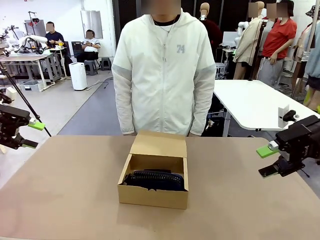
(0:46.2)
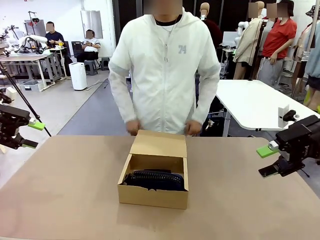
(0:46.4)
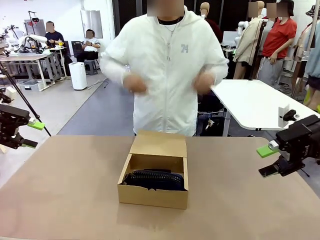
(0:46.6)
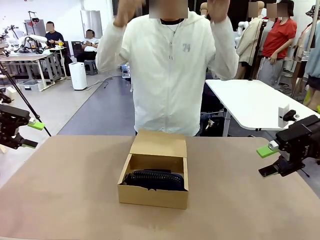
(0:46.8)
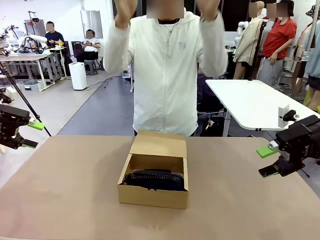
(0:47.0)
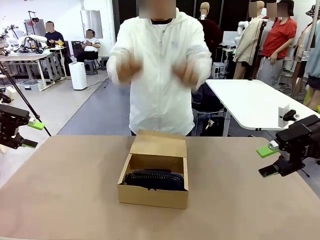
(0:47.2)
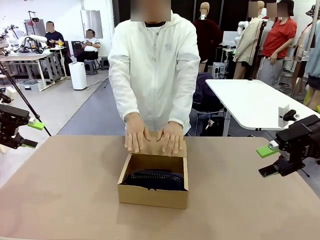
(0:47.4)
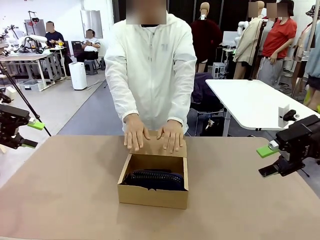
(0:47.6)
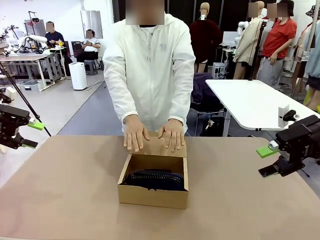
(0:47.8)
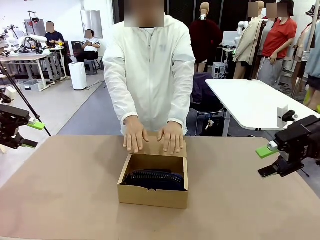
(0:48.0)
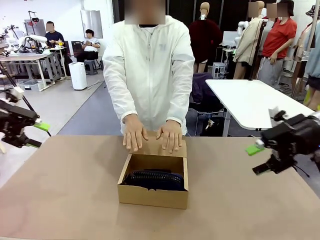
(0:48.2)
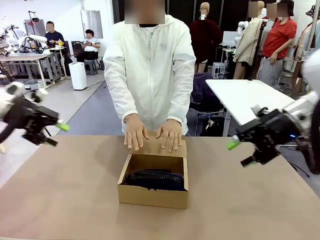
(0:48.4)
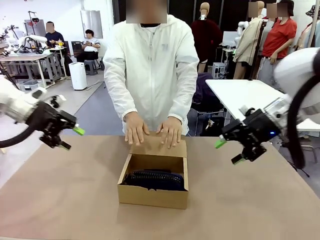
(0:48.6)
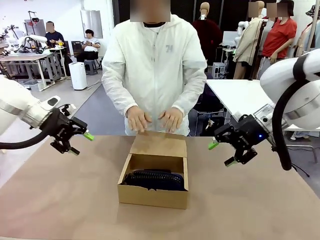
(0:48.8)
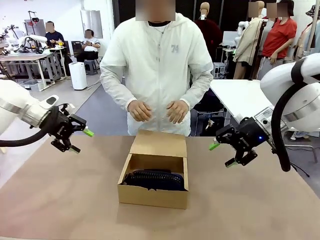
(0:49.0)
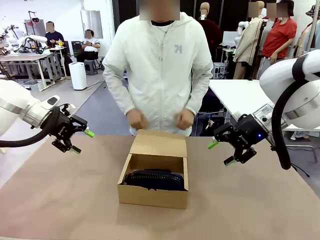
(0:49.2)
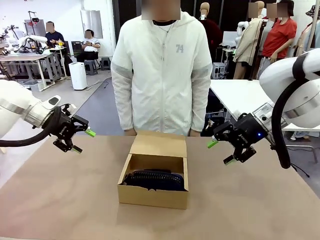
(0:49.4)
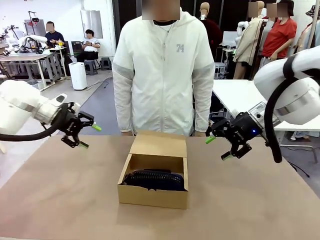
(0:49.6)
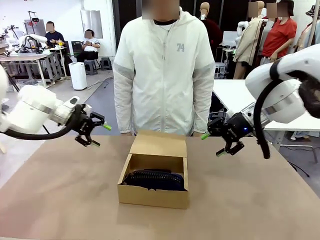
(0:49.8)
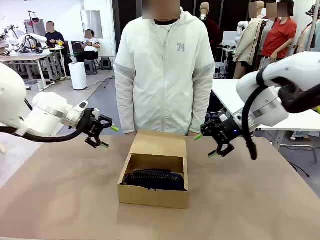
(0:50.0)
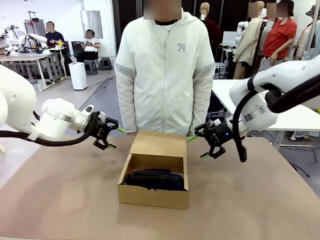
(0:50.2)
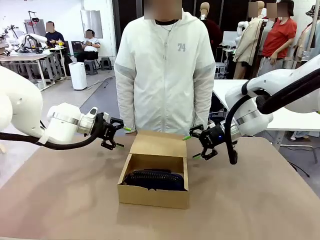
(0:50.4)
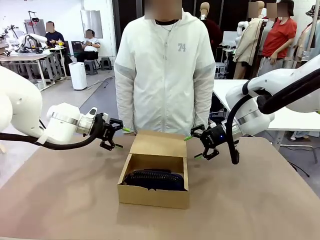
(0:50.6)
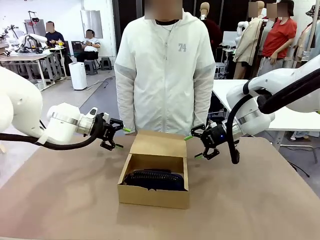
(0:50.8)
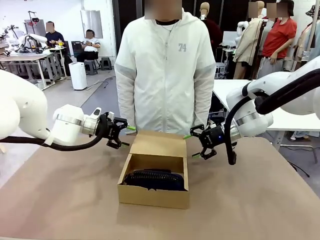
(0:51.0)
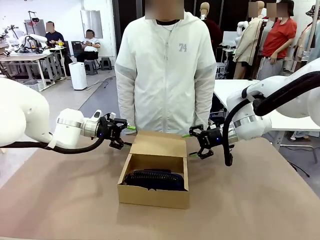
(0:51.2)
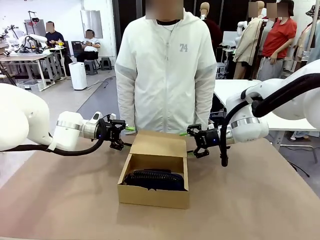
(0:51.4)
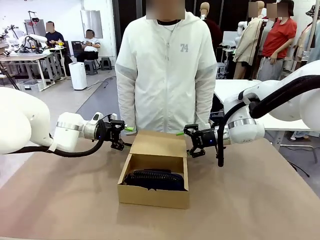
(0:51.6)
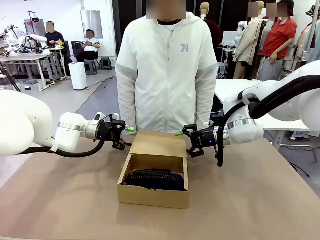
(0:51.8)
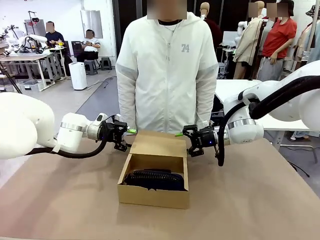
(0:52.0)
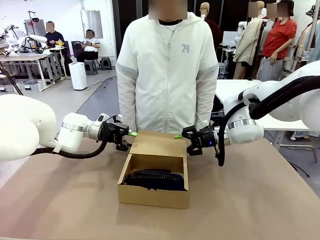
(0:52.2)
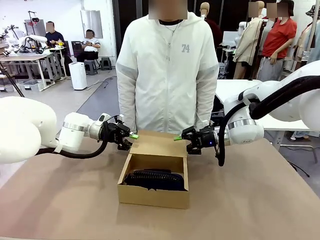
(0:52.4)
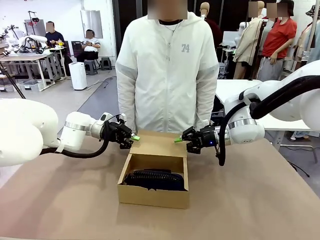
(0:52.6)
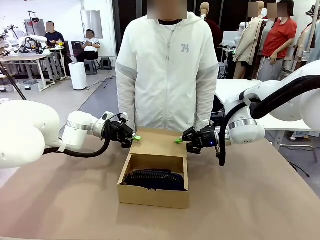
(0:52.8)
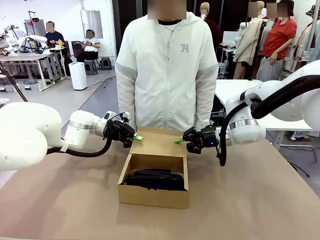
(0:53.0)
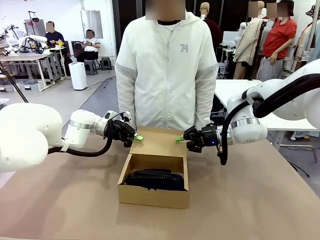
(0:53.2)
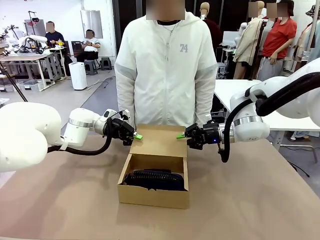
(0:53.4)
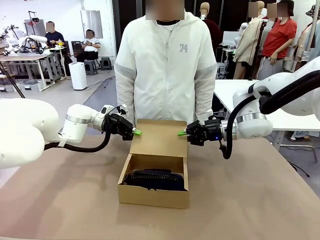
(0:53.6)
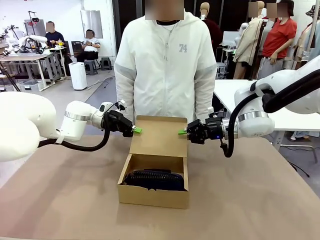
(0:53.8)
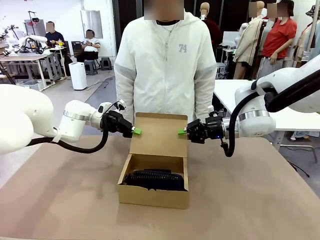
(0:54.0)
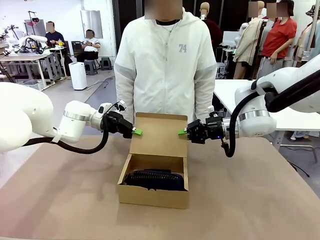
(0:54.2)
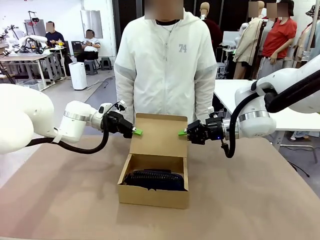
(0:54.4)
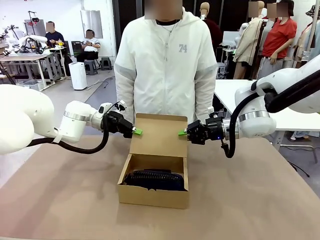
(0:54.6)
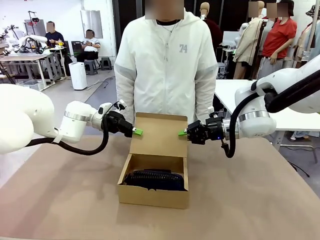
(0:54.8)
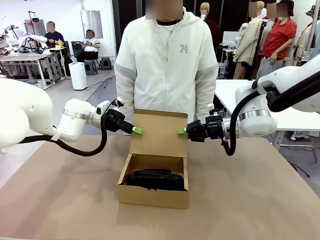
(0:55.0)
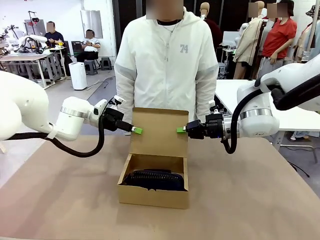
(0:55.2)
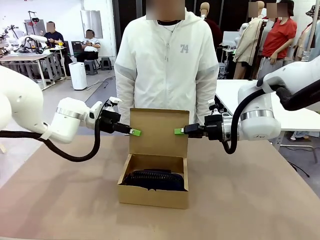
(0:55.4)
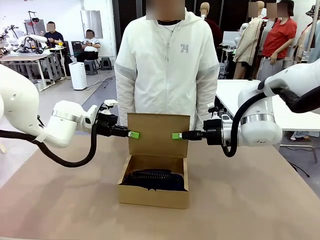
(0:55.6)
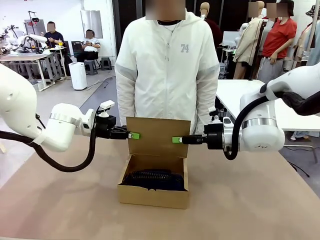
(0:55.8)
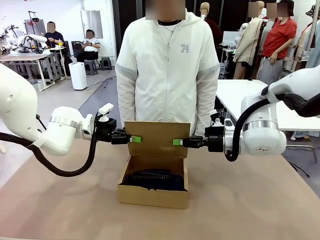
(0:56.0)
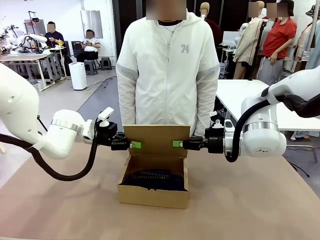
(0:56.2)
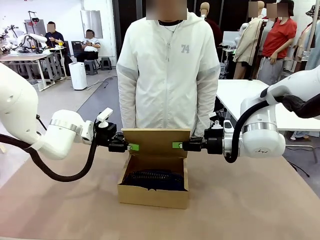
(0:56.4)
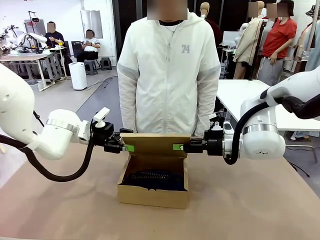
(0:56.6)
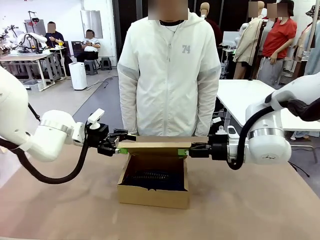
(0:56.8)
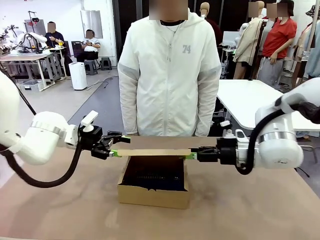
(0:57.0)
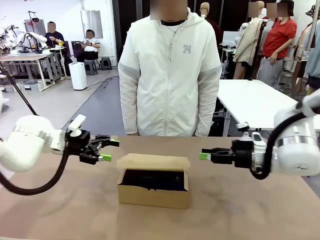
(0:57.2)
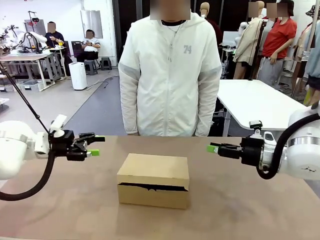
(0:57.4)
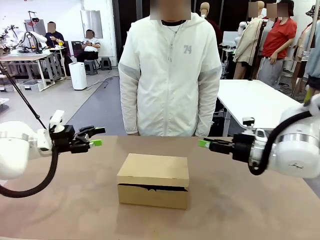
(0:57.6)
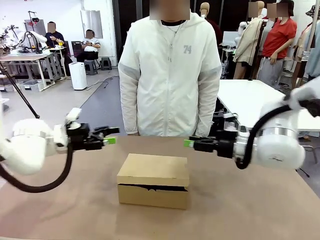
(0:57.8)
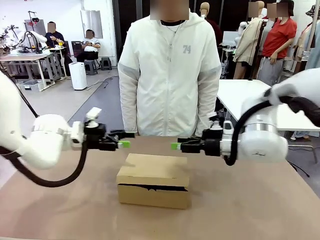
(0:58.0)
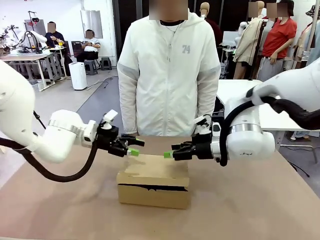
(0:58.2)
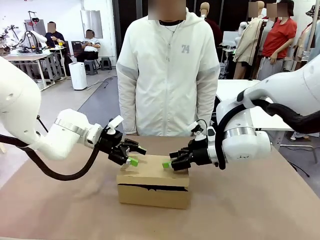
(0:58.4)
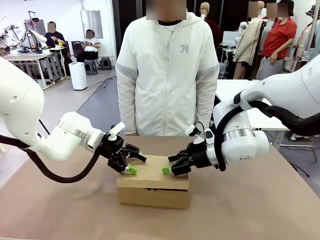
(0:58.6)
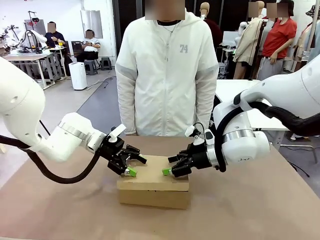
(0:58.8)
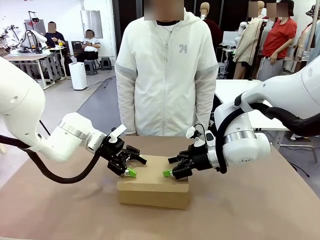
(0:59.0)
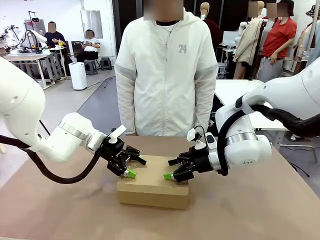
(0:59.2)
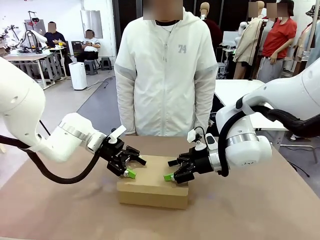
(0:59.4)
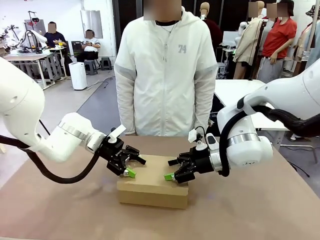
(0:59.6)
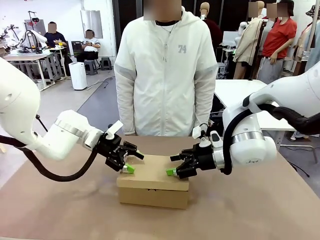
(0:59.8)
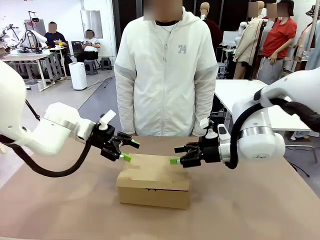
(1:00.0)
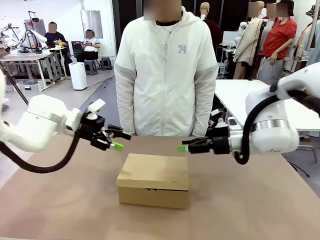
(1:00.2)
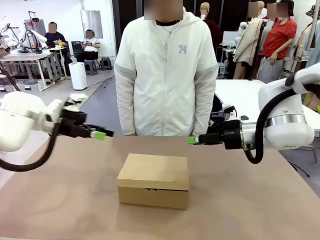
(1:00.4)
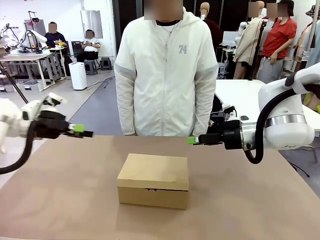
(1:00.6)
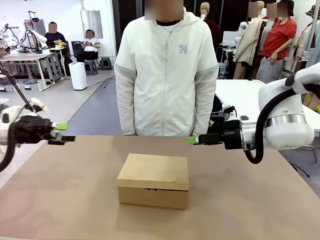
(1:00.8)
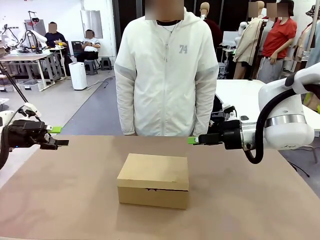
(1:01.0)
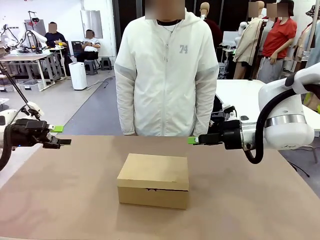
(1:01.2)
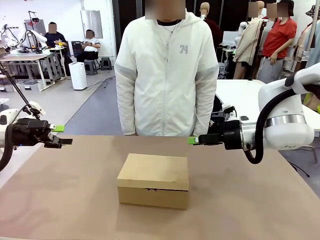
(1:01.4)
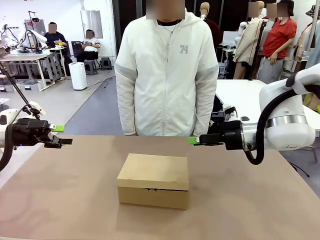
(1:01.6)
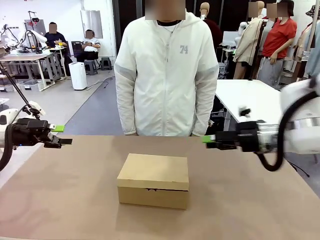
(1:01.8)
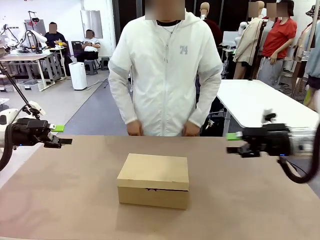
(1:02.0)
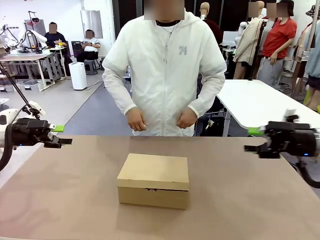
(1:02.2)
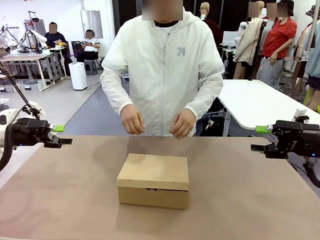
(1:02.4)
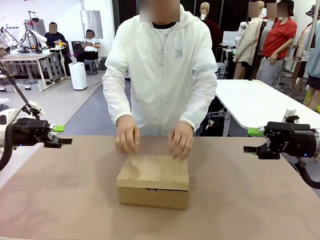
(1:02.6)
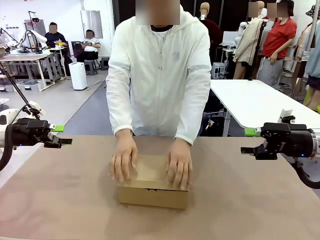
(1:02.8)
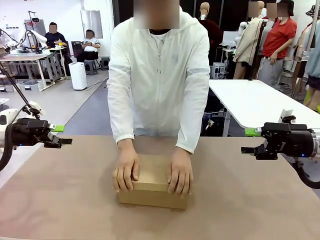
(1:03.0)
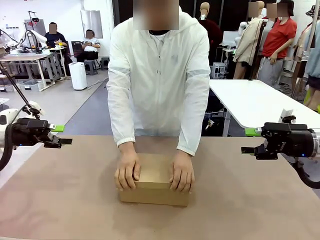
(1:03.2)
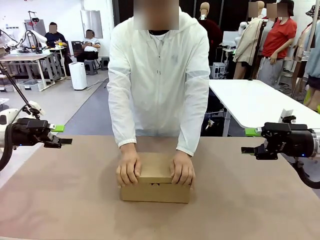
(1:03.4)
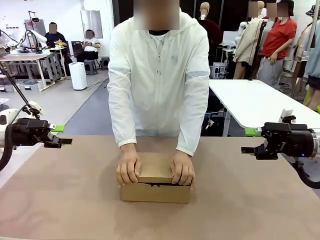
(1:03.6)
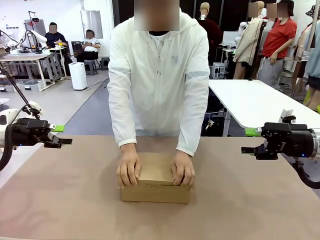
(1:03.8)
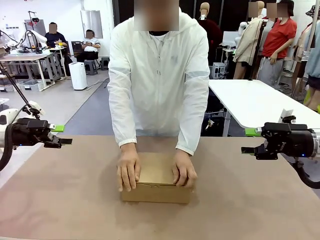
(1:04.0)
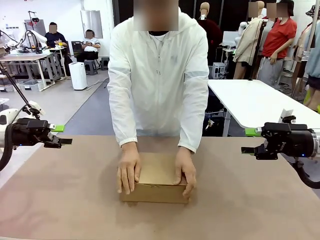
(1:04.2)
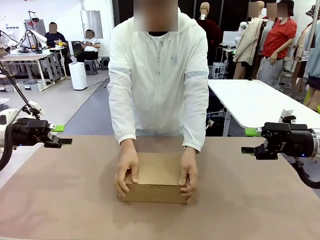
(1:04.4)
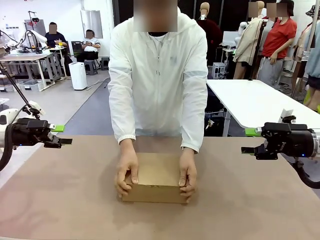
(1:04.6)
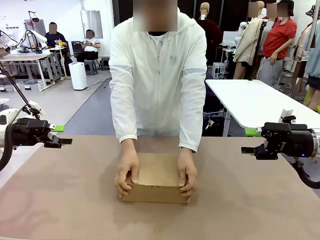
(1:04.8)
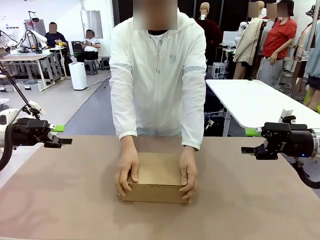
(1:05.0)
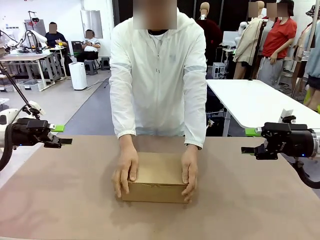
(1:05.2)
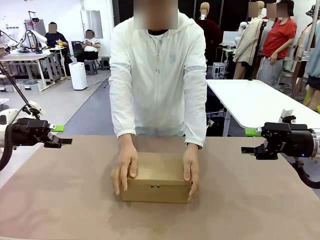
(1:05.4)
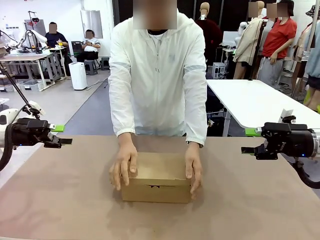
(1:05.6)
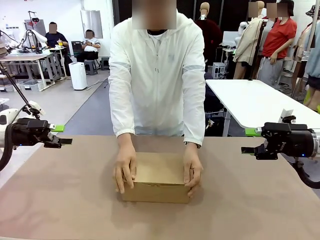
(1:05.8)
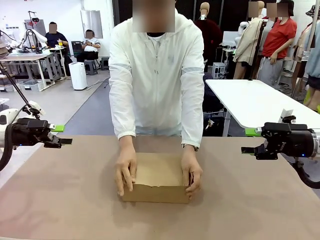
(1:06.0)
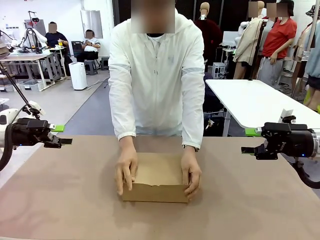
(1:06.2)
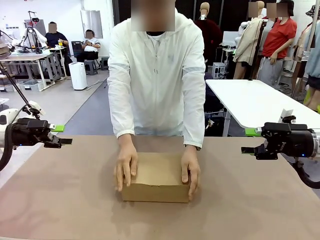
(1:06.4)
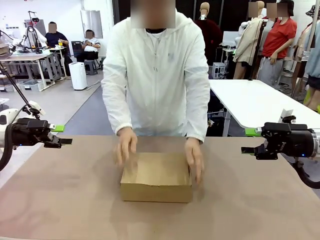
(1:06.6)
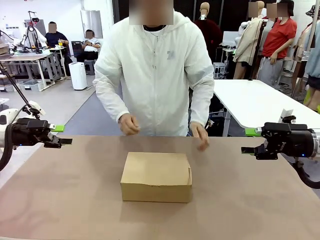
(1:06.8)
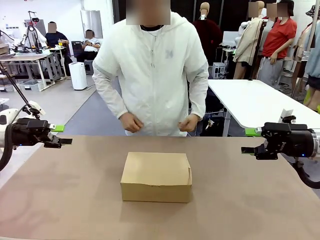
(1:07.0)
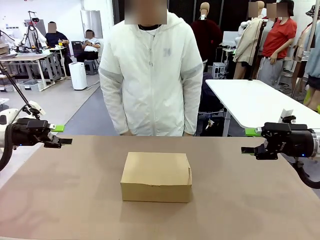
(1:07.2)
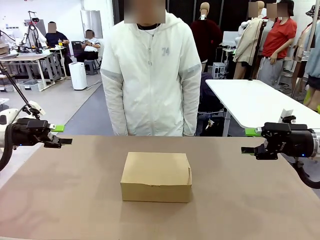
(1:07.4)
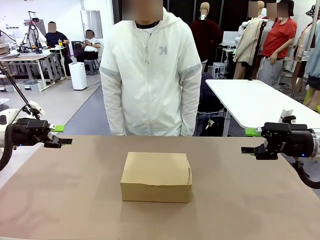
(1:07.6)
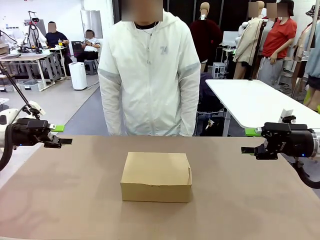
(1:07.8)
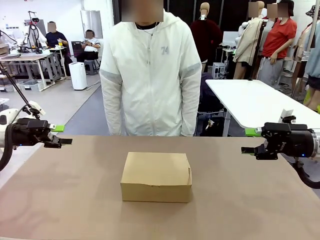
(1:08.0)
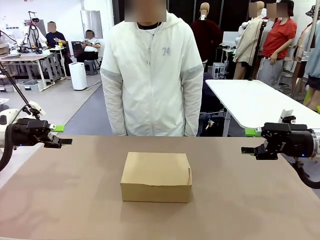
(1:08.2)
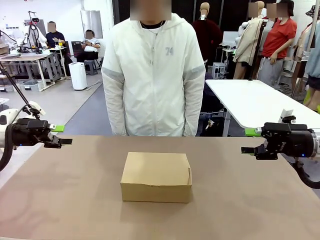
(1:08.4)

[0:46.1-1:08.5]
Task: Pack the items into the box.
Robot: Close the Mailer Box.
Person: Turn the box and lock it.
